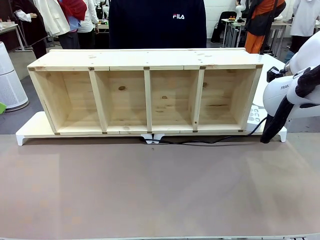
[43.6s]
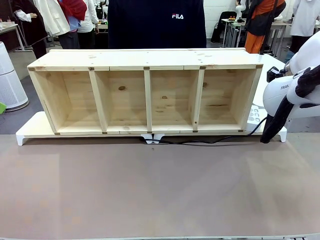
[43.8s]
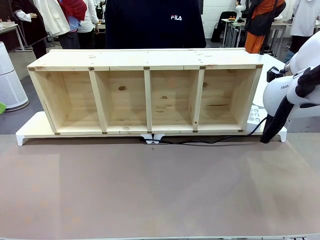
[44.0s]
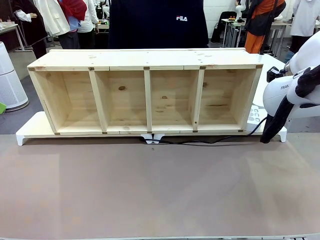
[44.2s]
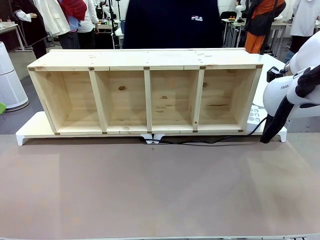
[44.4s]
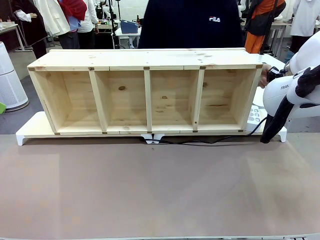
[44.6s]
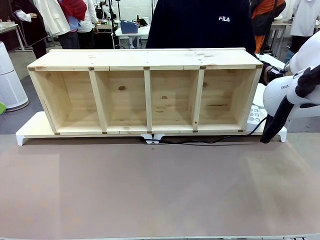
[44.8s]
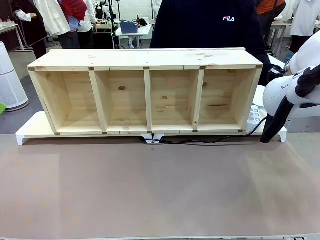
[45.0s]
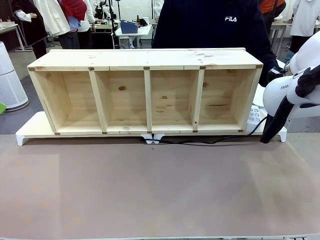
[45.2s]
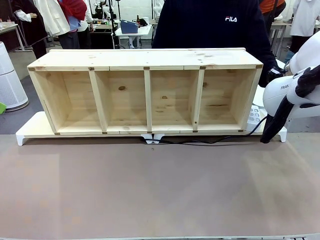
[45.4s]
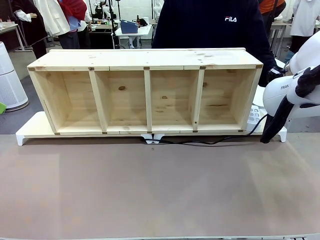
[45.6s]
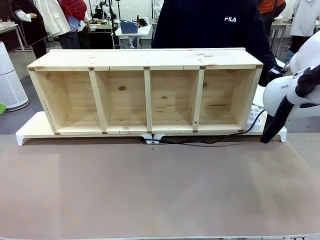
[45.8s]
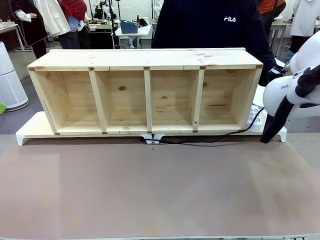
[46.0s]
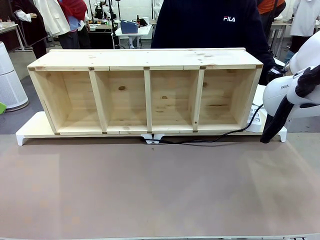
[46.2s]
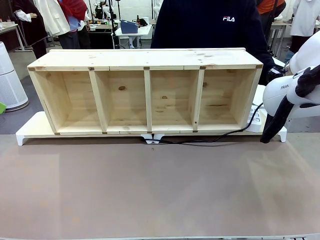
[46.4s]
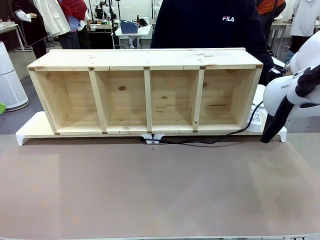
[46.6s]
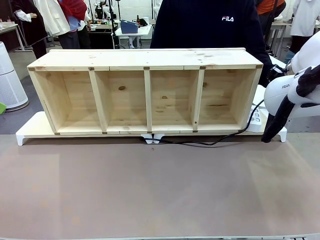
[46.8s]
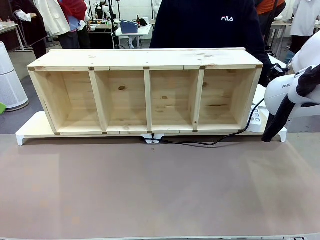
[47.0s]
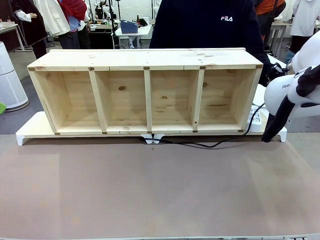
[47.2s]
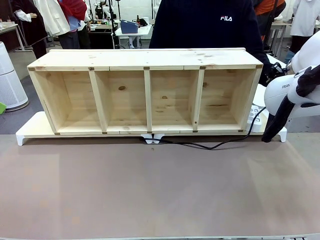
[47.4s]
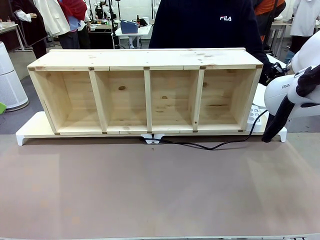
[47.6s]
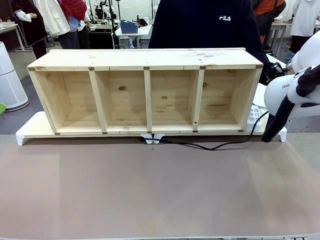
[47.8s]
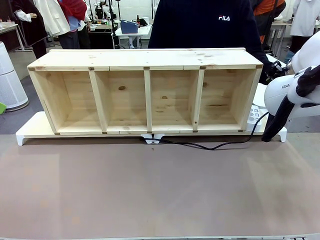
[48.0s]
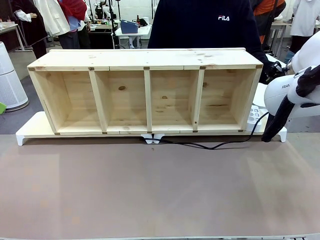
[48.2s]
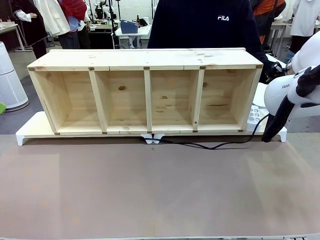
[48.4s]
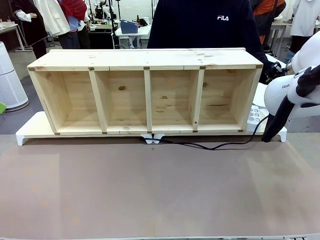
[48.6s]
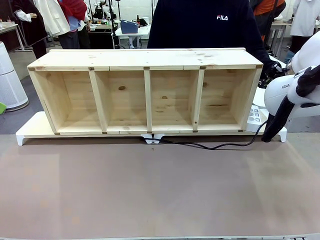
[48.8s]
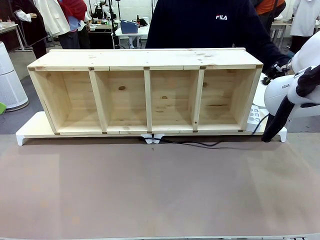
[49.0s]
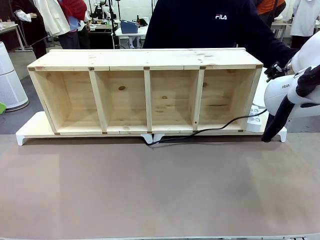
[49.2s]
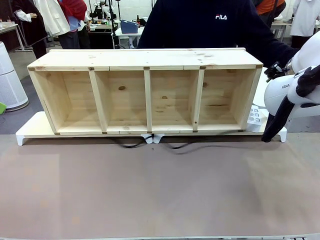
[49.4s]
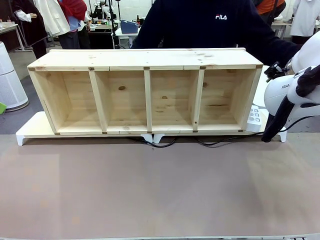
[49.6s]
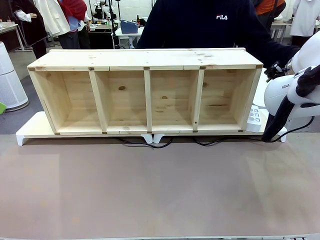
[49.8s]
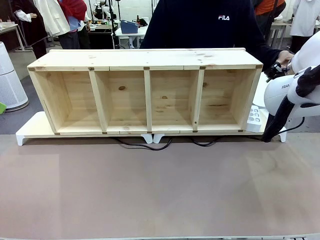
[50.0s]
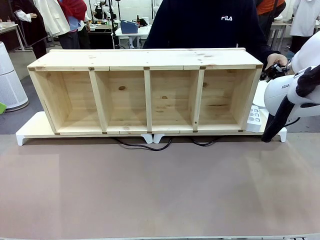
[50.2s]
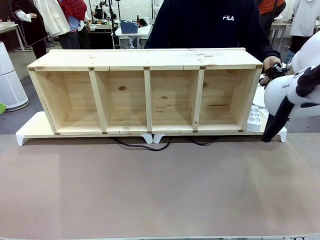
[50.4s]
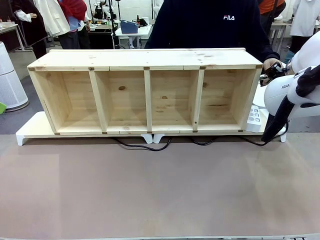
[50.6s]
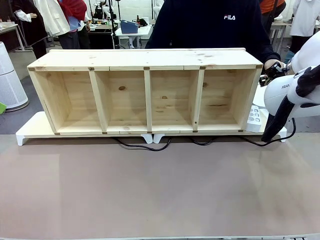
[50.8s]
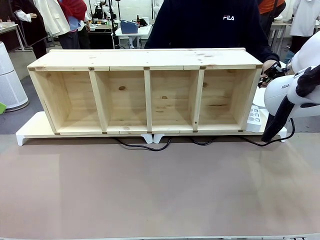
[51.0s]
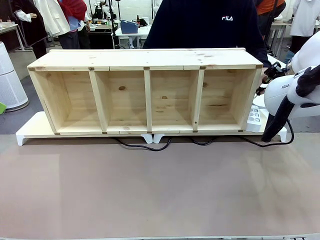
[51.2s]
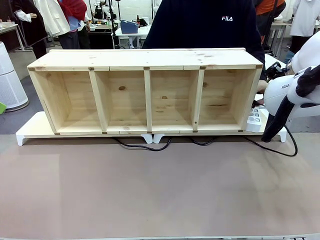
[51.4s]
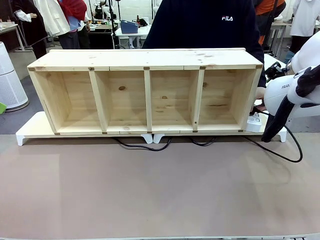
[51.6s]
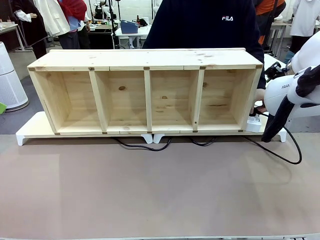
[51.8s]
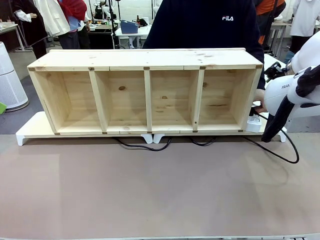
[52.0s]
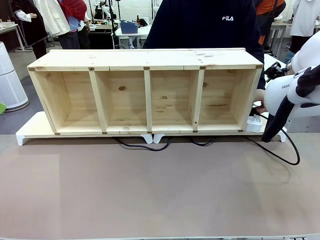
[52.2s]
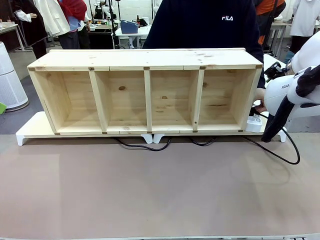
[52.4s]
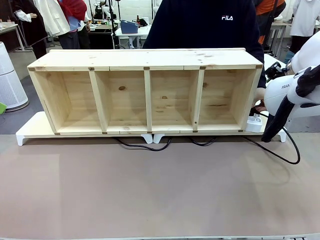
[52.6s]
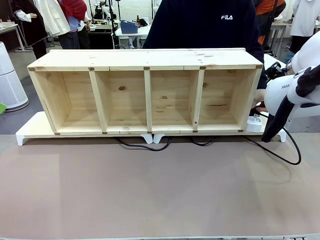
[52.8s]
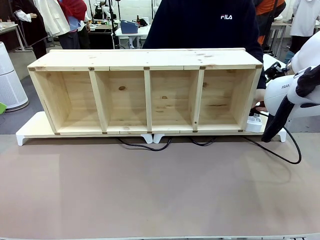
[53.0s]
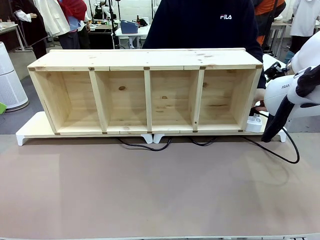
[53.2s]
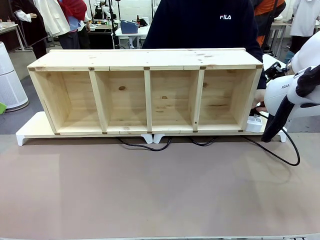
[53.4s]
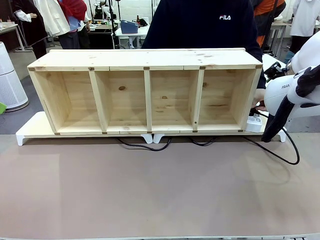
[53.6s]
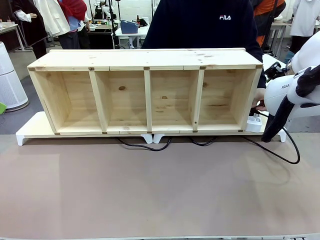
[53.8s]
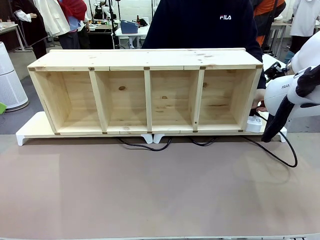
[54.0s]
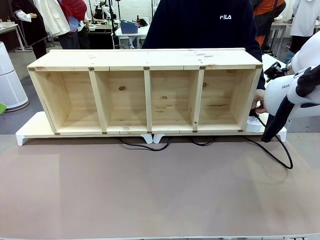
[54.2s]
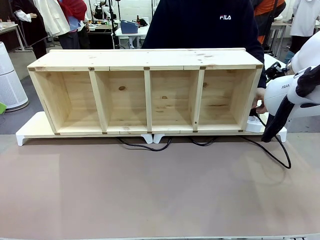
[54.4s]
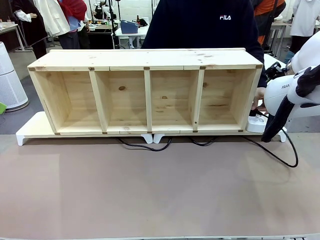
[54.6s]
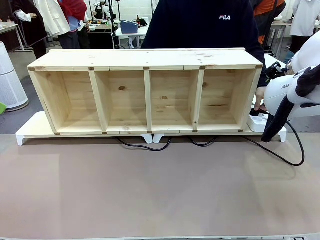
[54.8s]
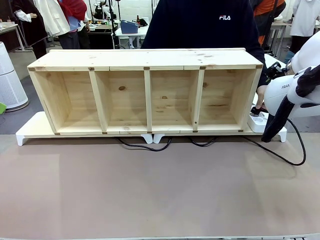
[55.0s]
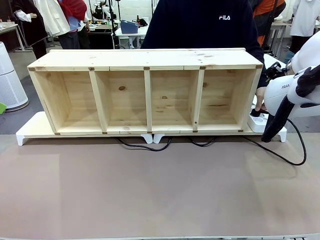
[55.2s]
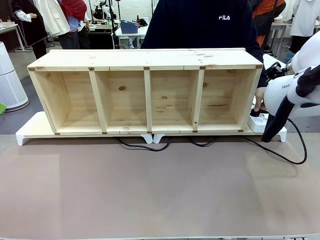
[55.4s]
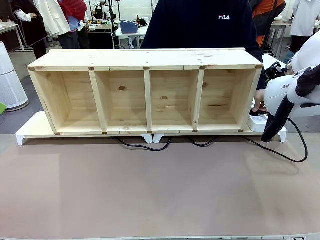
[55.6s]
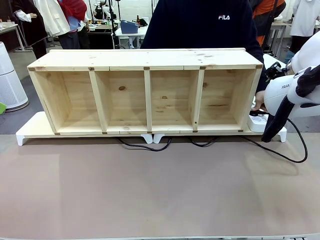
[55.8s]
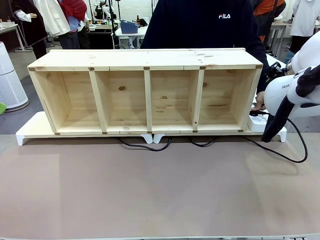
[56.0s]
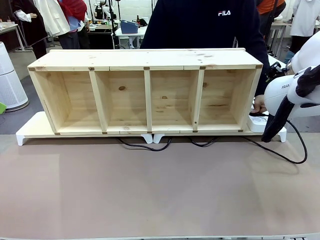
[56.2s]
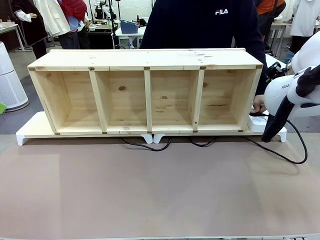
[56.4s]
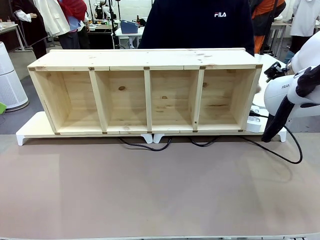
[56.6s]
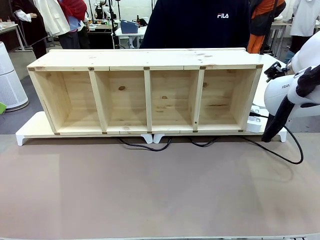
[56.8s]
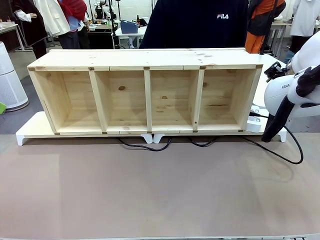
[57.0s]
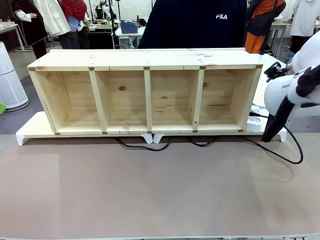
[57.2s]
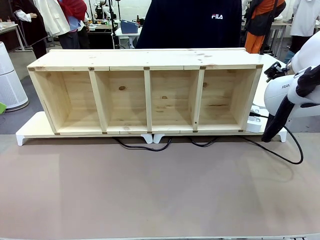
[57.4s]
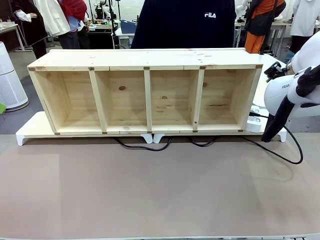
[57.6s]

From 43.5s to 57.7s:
Task: Perform cable management.
Robot: Release the Power Cable when the human grasps it.
Person: Plug the Power Cable into the Power Strip.

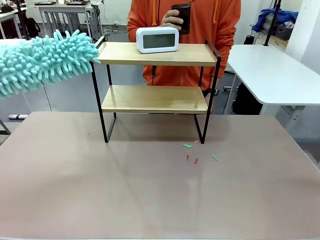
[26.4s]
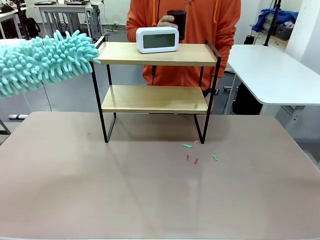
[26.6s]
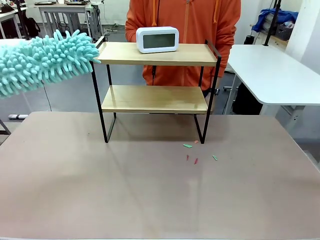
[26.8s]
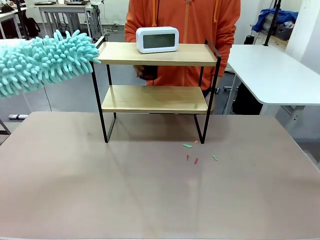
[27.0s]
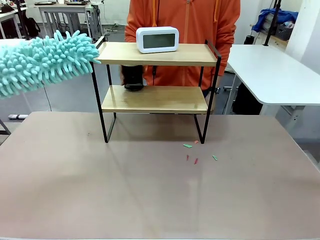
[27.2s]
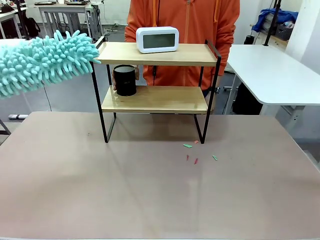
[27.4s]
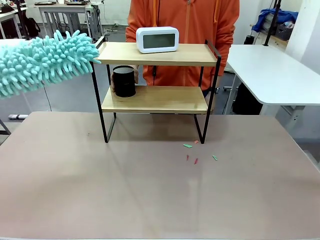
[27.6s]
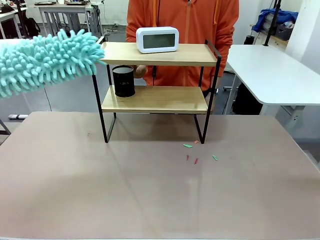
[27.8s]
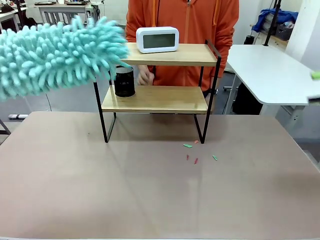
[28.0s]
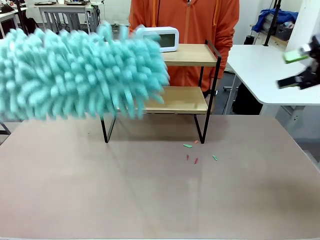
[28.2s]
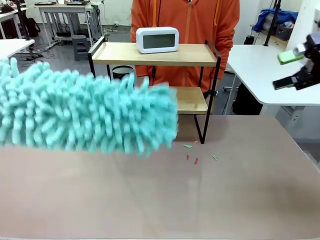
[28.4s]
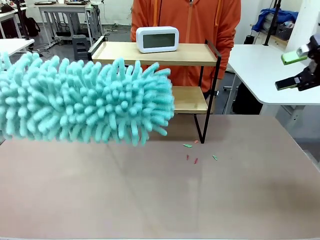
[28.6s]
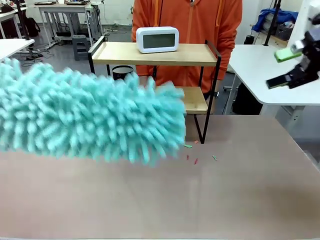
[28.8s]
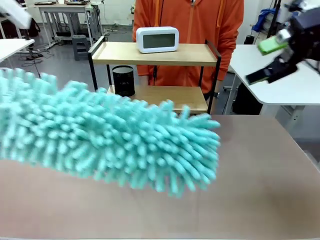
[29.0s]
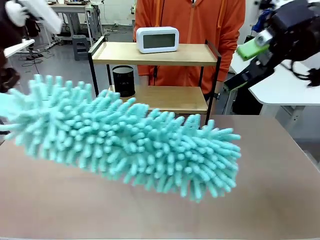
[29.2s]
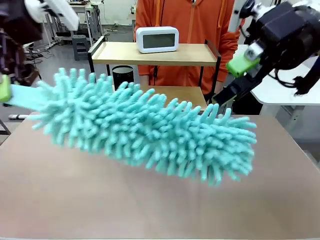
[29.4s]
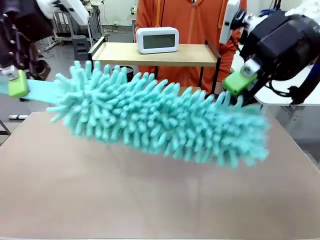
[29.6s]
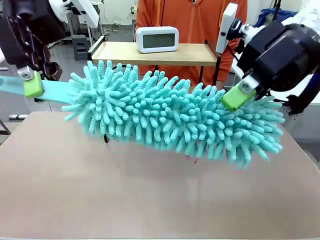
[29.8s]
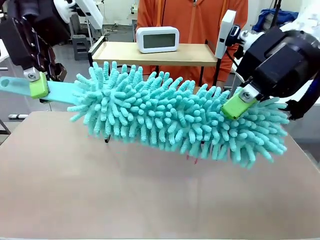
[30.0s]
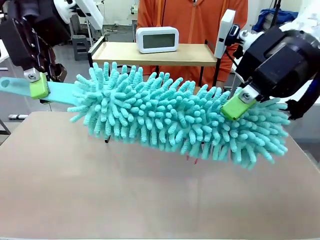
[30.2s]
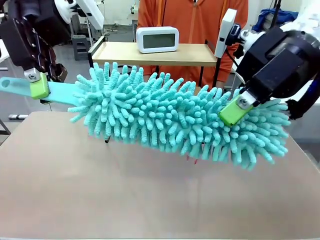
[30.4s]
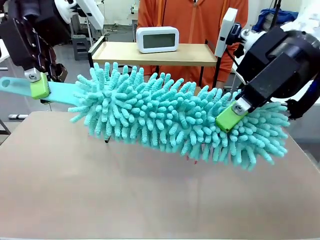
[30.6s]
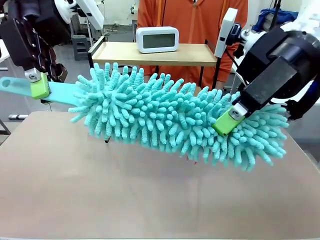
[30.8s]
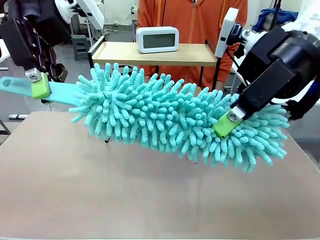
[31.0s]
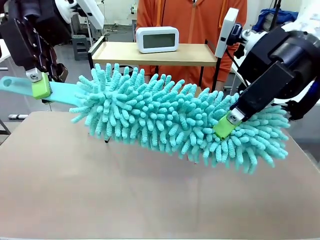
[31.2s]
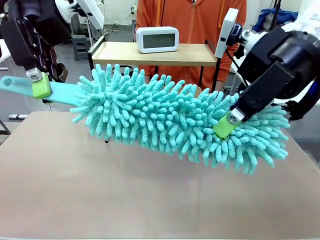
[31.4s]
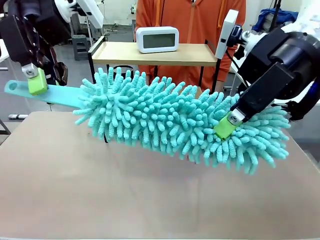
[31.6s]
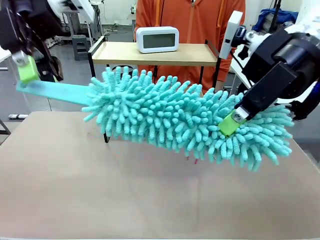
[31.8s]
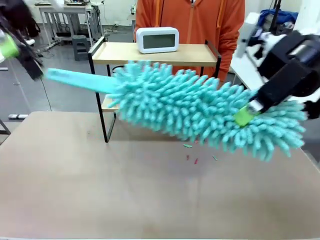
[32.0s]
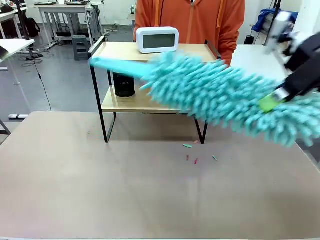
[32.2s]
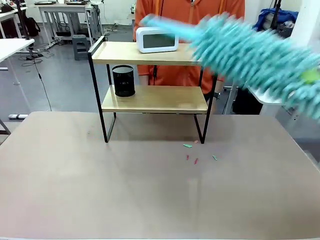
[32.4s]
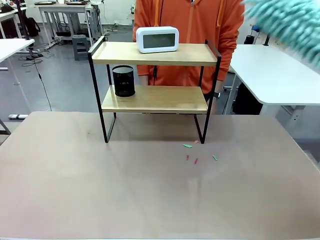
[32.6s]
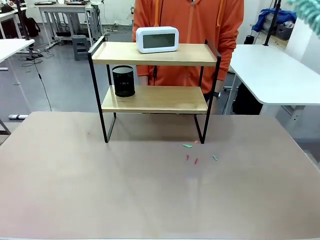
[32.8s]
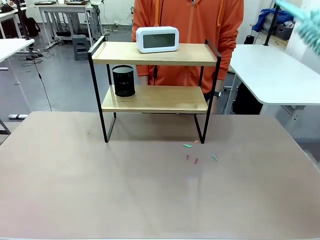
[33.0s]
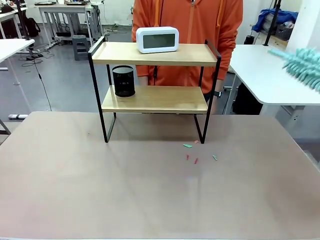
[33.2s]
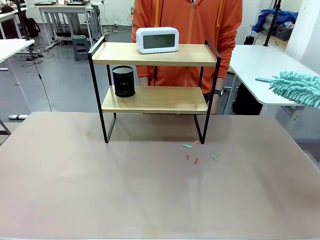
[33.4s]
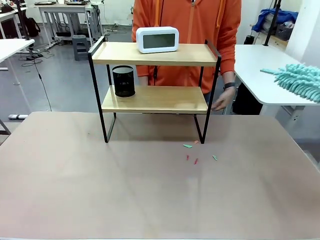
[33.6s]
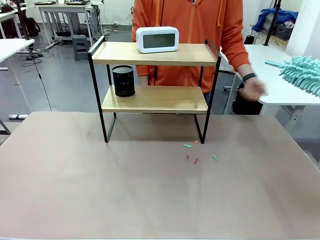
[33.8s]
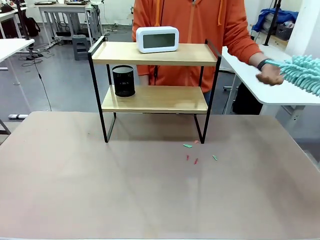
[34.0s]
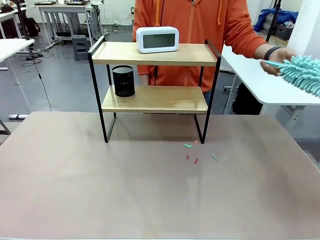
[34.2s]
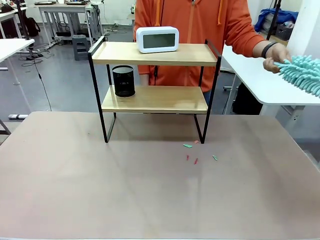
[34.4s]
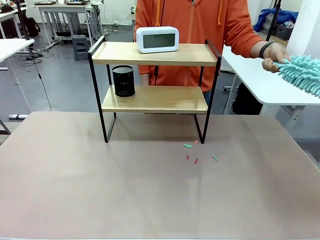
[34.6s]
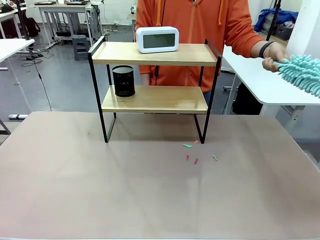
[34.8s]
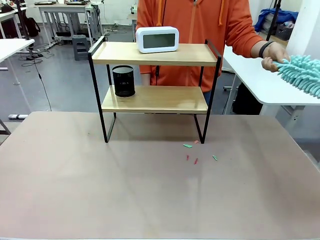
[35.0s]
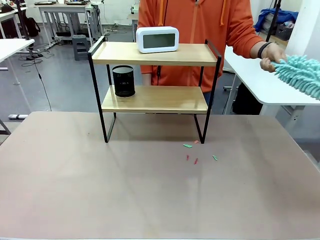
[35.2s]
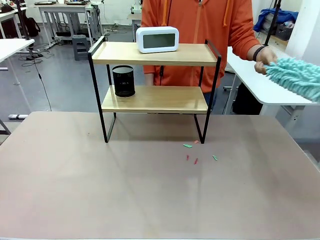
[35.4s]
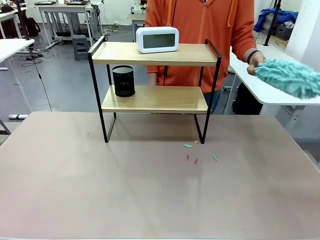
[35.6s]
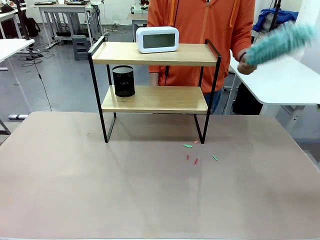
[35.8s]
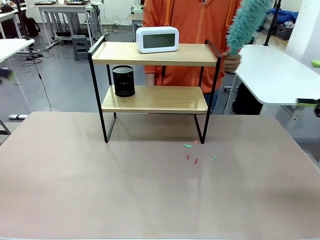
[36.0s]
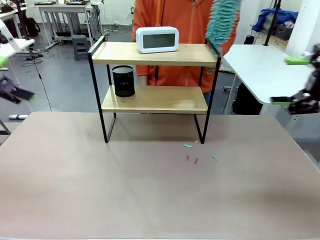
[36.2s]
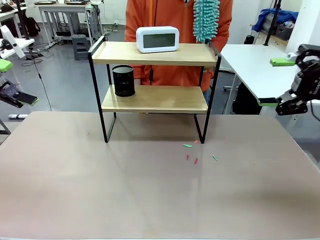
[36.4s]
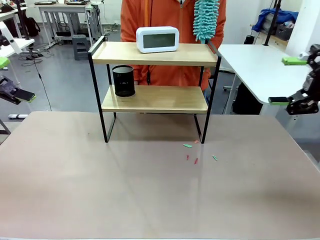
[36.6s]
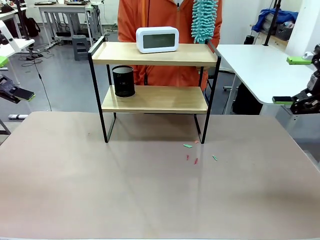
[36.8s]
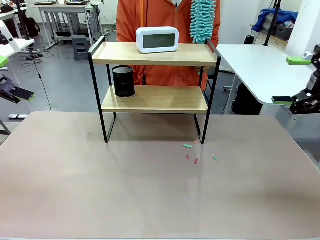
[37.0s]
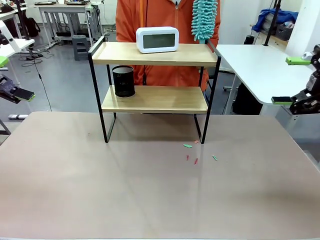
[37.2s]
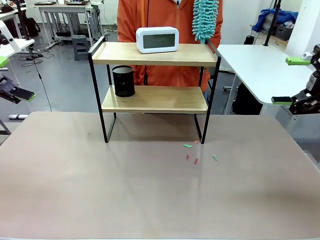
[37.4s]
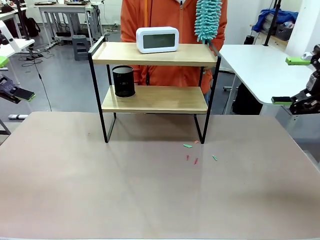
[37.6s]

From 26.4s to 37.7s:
Task: Clean the shelf.
Robot: Hand the Duster back to the human.
Person: Receive the Duster from the robot.
